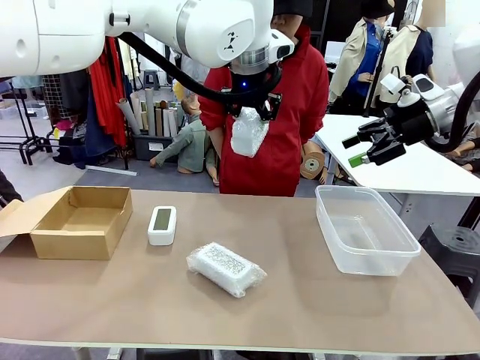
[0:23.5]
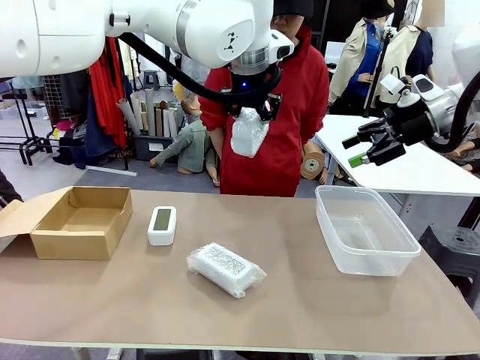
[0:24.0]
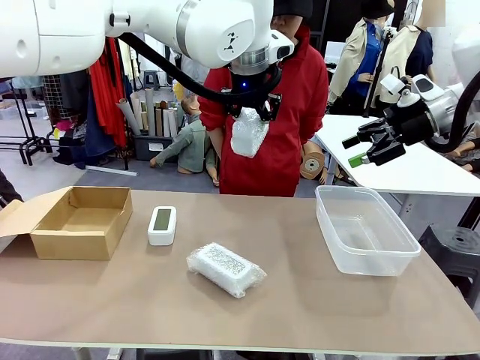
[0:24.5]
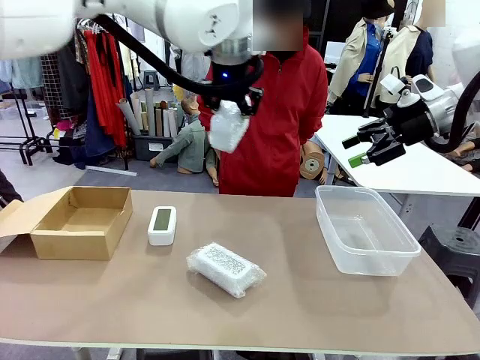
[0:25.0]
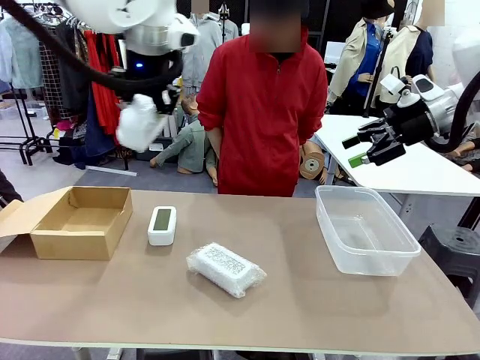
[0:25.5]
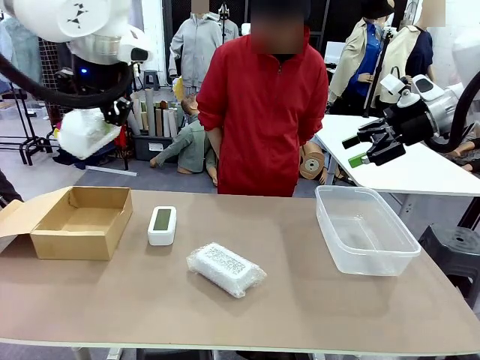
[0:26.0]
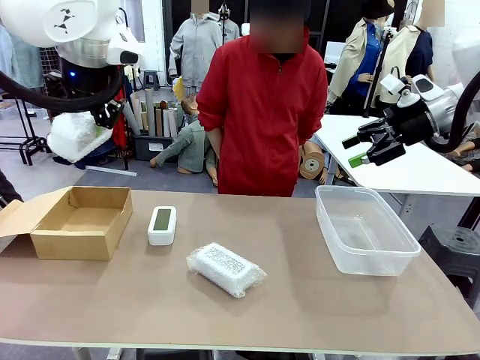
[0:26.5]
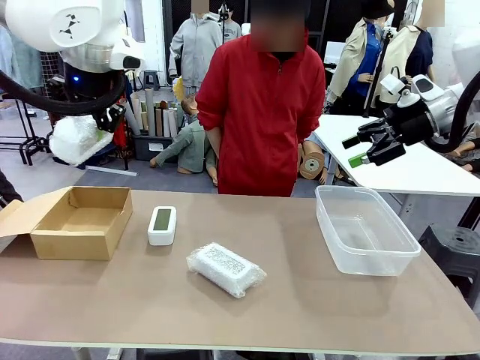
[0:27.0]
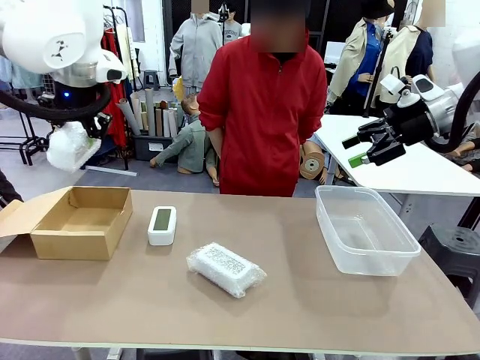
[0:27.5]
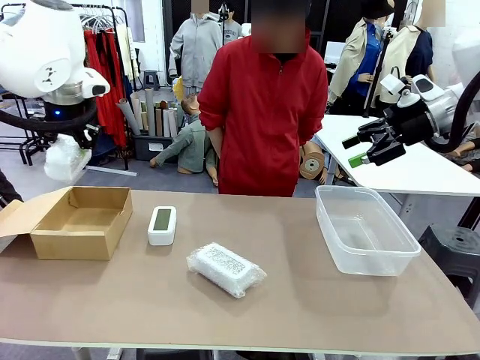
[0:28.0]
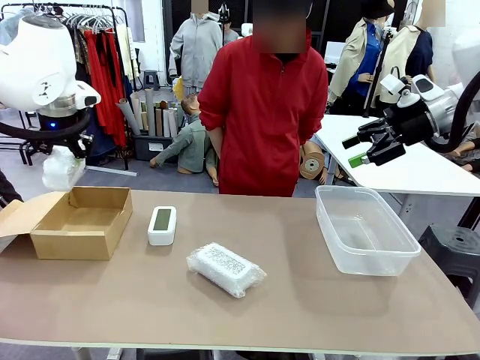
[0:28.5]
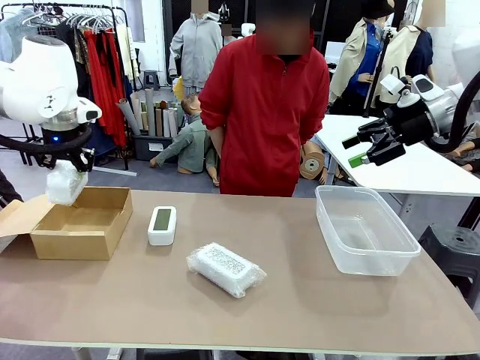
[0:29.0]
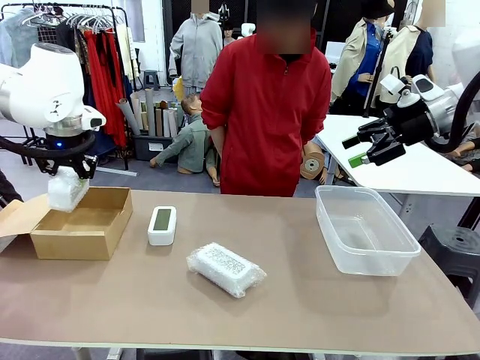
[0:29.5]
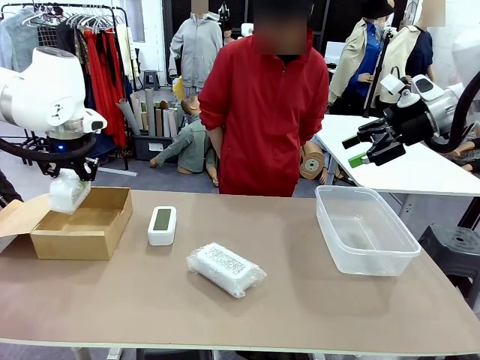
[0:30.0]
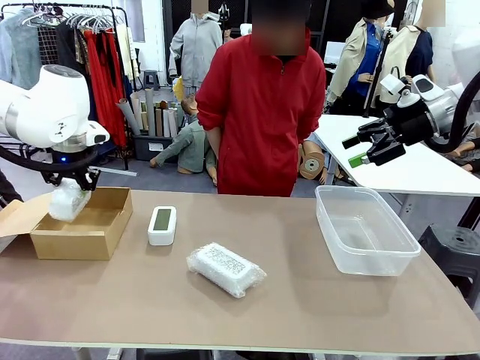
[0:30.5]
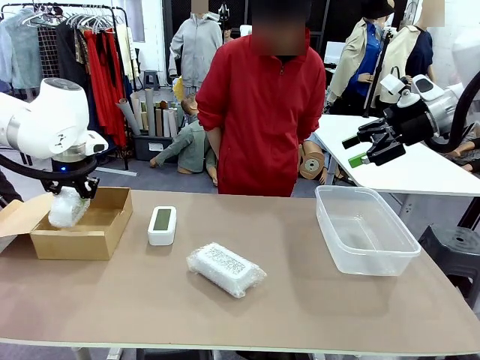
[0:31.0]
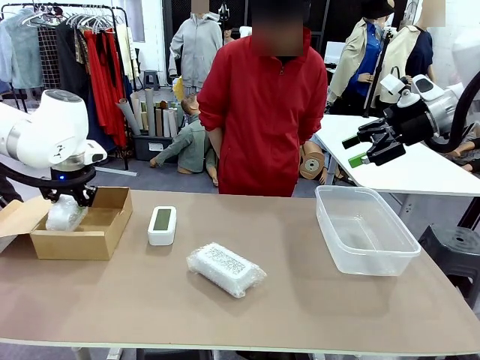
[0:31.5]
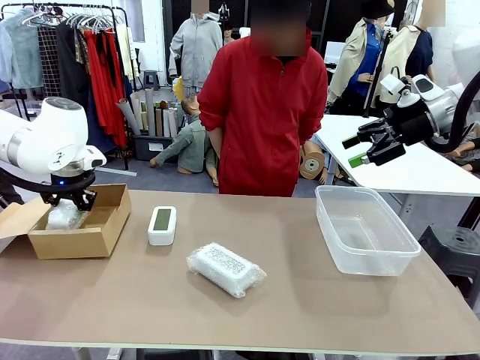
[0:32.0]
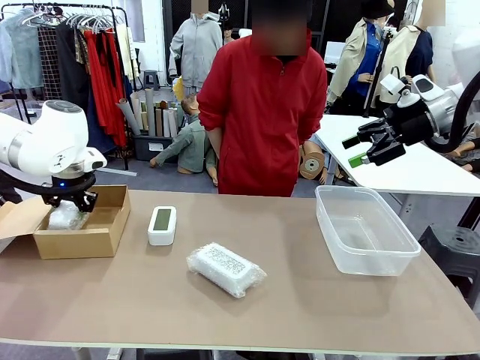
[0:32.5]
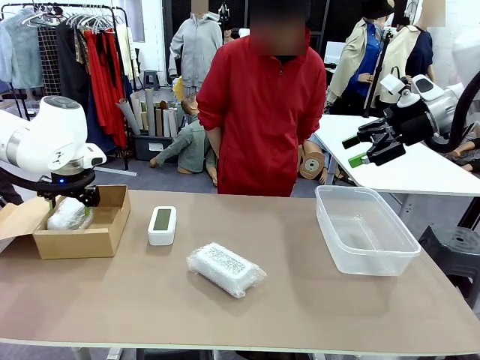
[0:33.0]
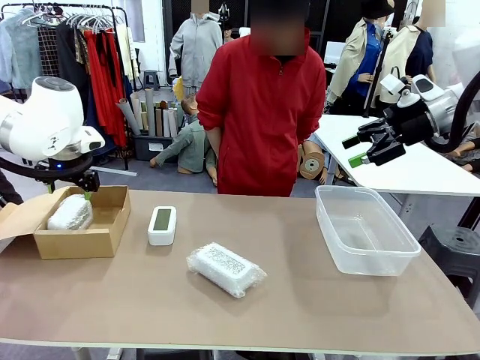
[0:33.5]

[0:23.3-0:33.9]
Task: Separate and place wrapped and unwrapped clocks.
Robot: If the picked Digital clock is wrapped, place it in the Package Box ; if not, place it in the Organizing box.

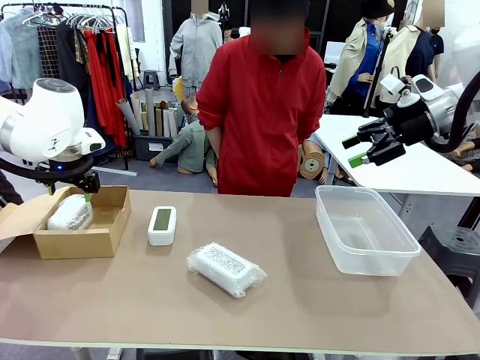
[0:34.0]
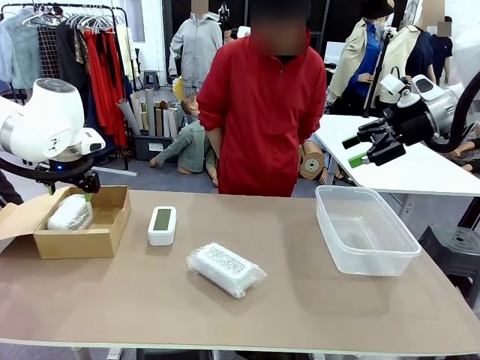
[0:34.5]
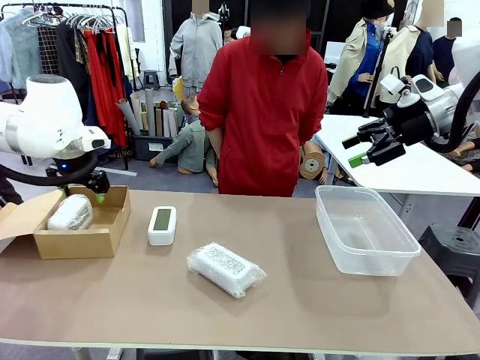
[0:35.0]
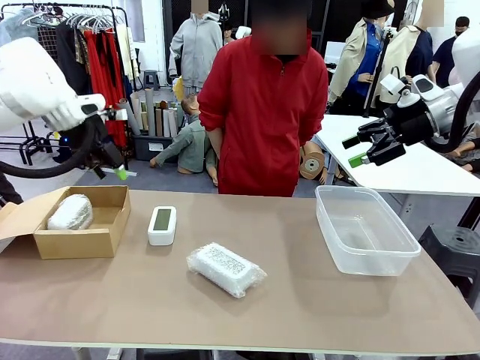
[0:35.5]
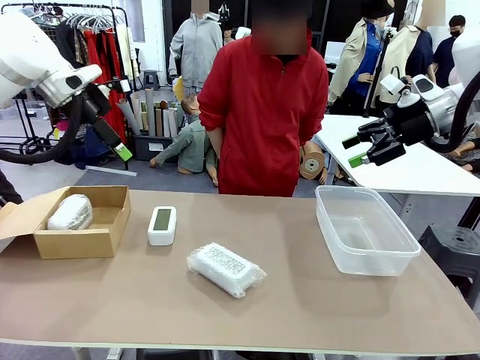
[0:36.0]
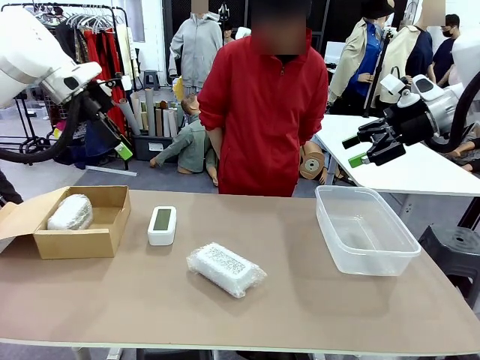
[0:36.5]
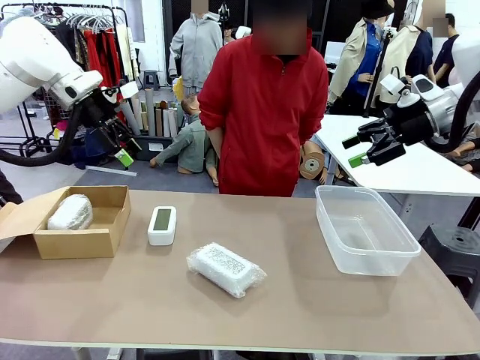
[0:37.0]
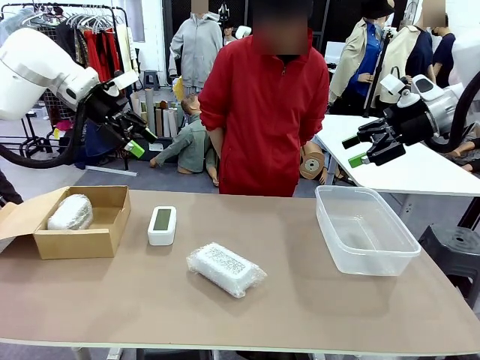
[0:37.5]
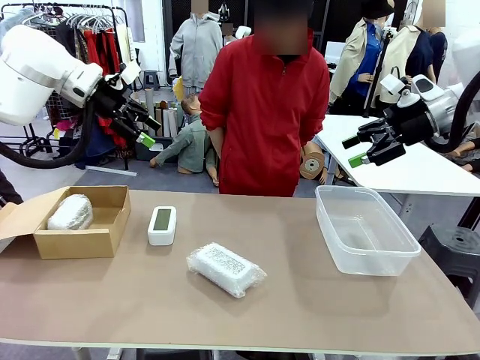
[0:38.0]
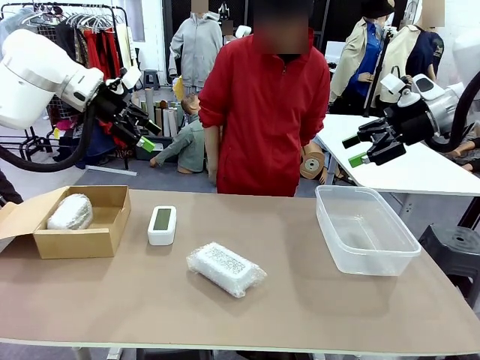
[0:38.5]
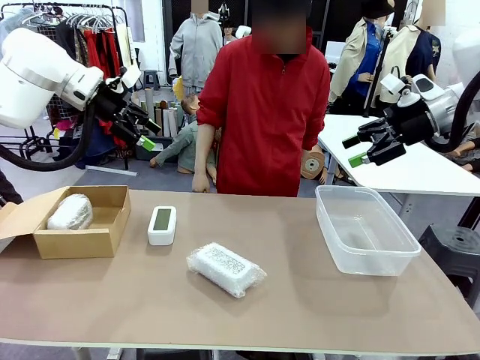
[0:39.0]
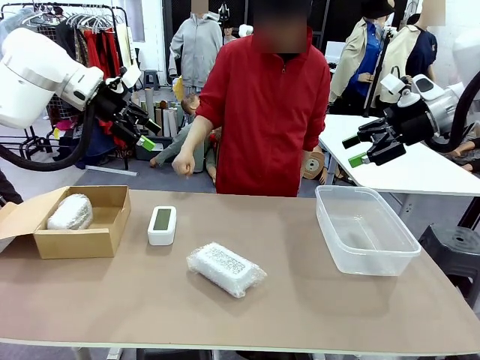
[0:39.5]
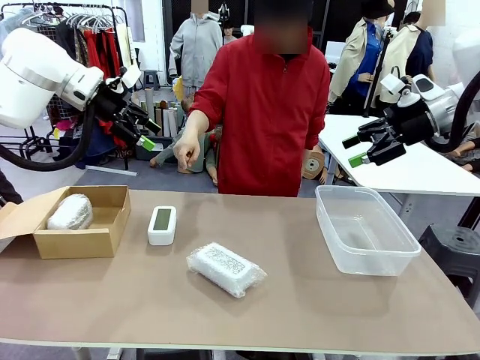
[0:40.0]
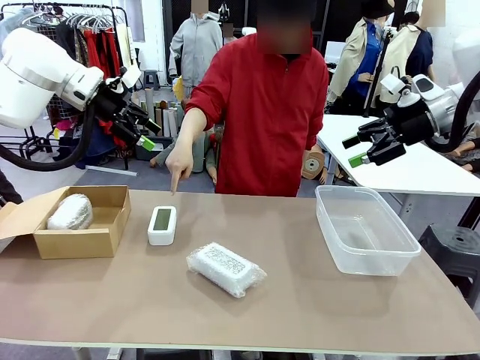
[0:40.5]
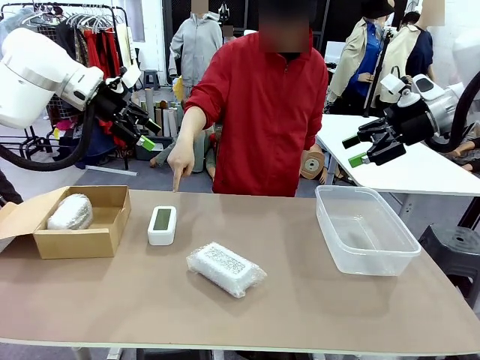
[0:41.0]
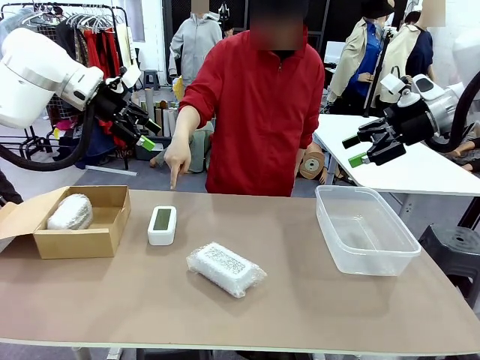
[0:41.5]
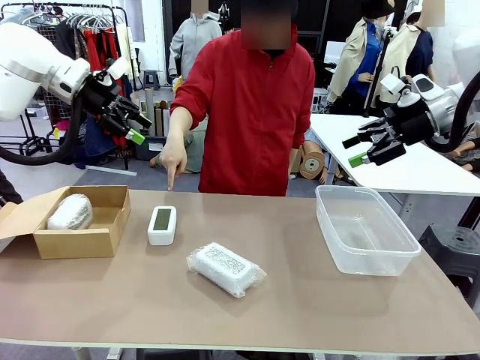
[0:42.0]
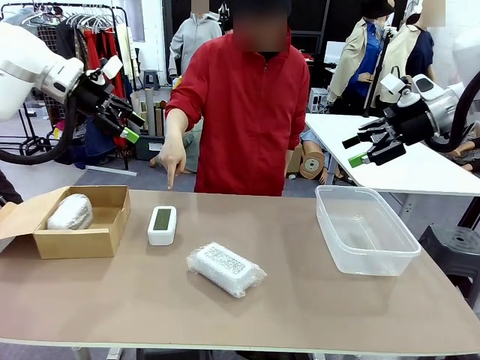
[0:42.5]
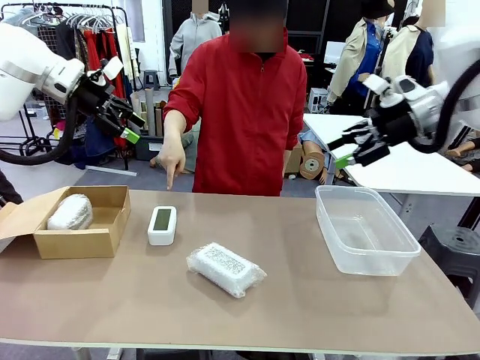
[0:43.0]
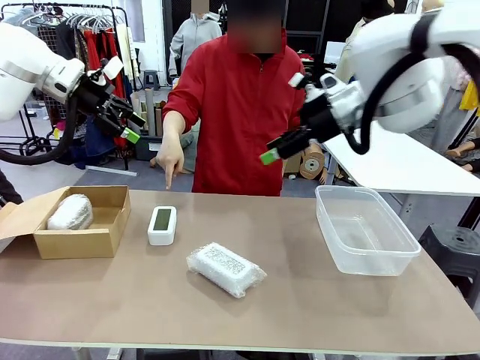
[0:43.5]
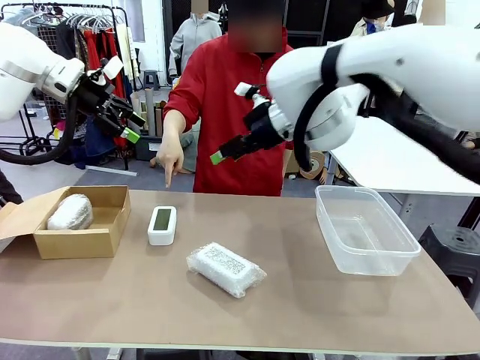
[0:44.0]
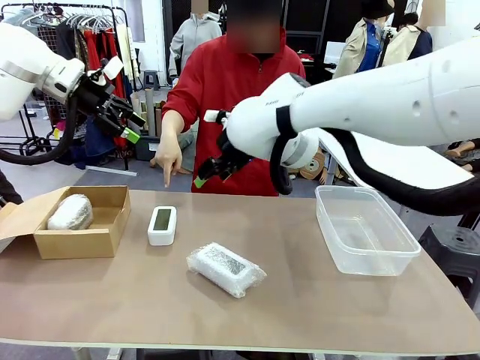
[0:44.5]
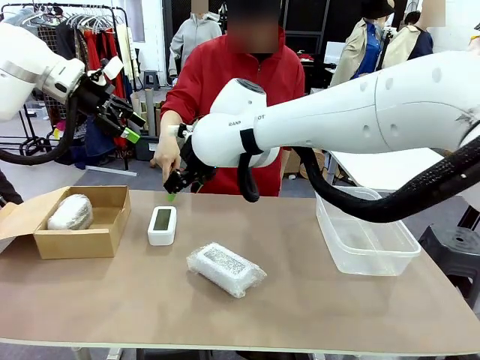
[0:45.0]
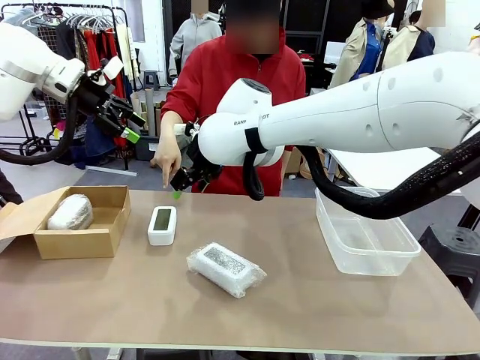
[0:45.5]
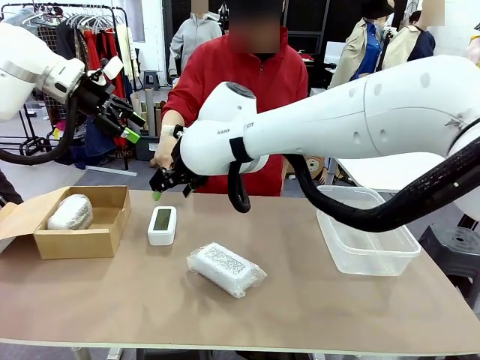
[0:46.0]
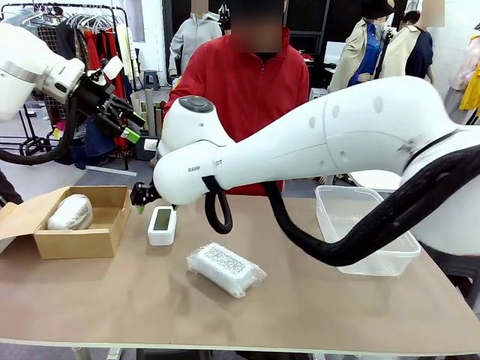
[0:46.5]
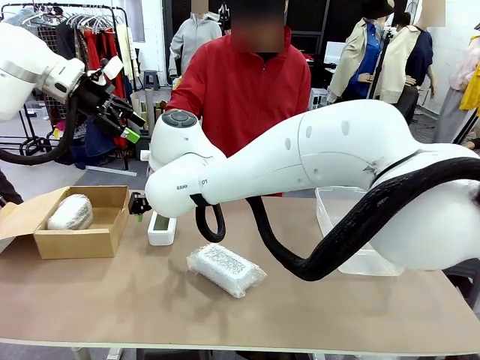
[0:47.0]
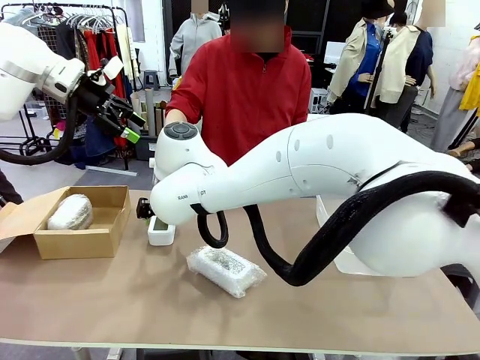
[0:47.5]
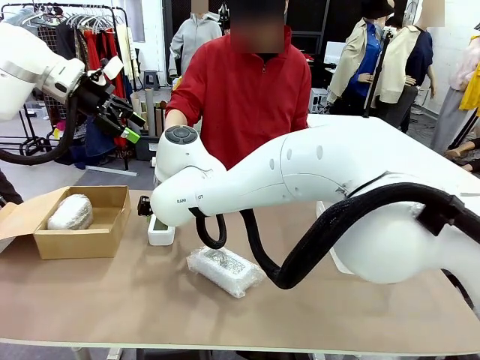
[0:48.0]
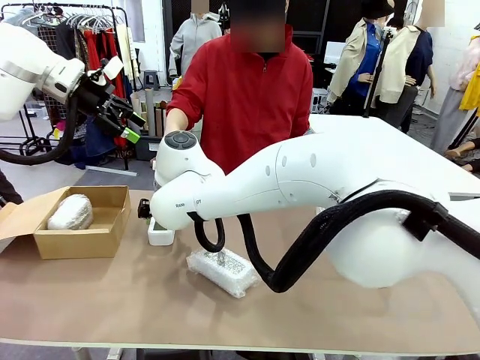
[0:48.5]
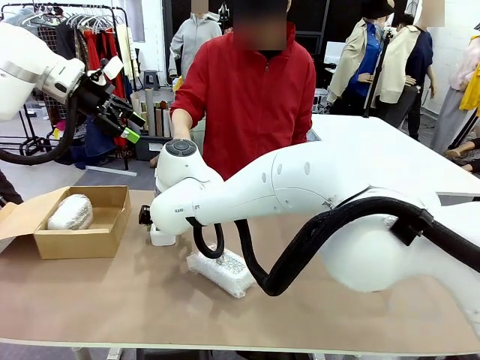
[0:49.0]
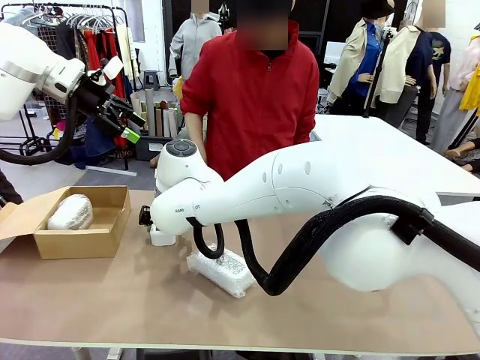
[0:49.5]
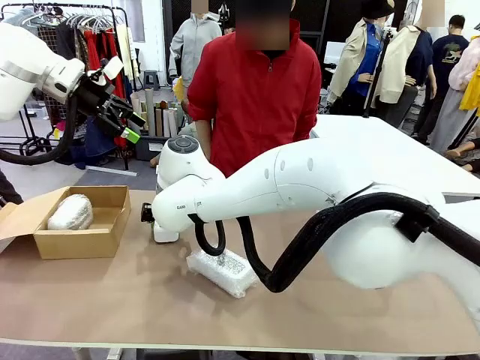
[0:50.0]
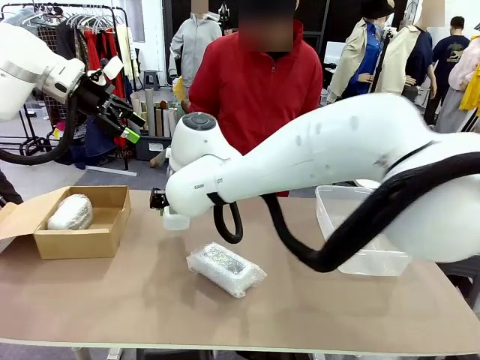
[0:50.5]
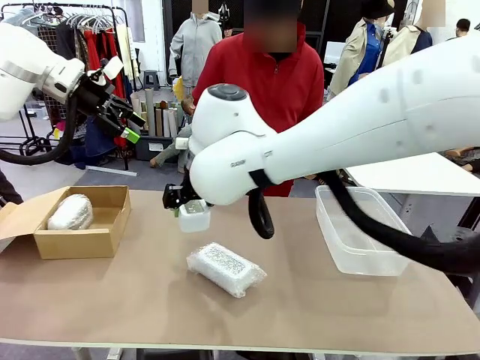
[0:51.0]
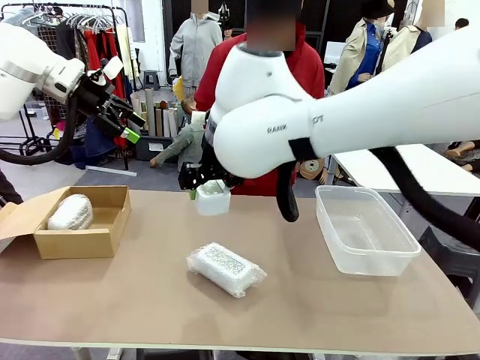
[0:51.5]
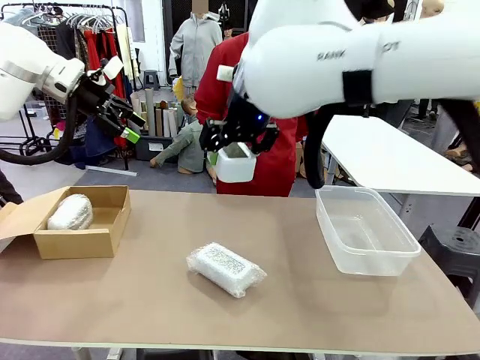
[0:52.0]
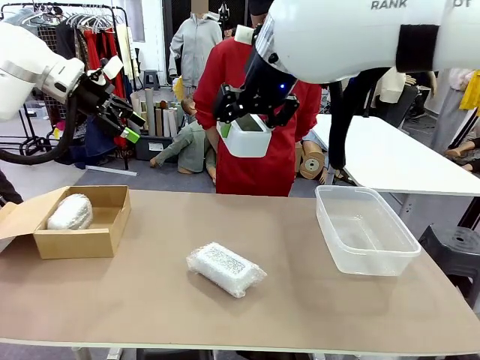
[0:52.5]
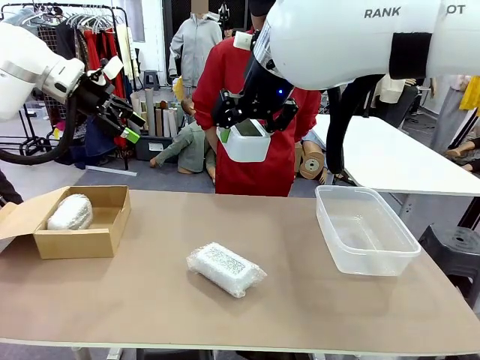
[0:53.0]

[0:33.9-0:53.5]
Robot: Pick up the Digital clock indicated by the person.
